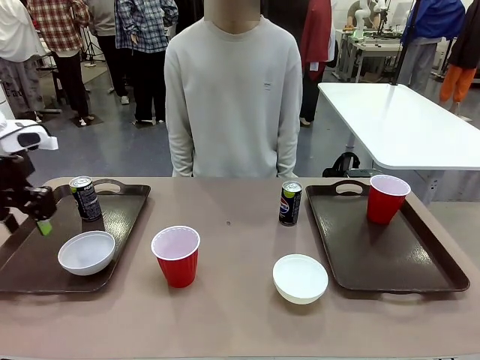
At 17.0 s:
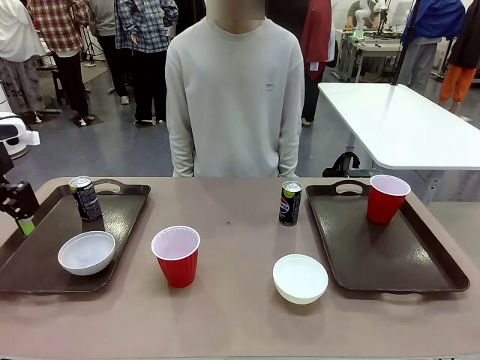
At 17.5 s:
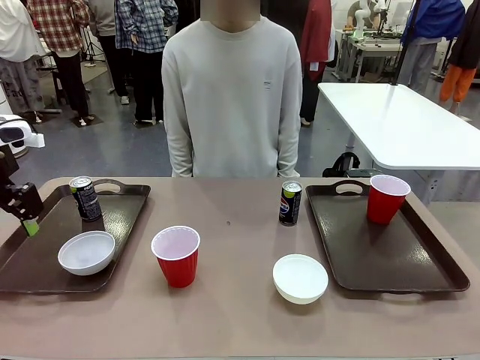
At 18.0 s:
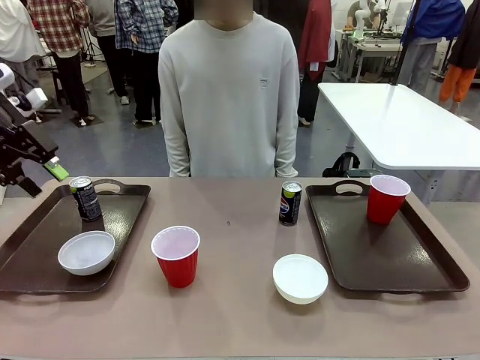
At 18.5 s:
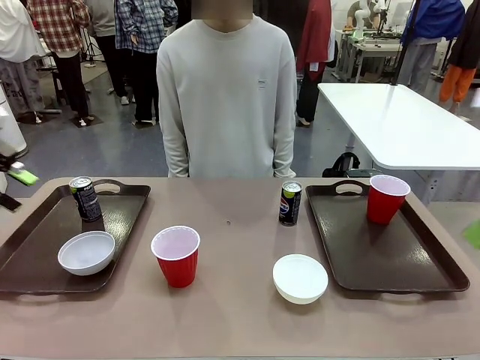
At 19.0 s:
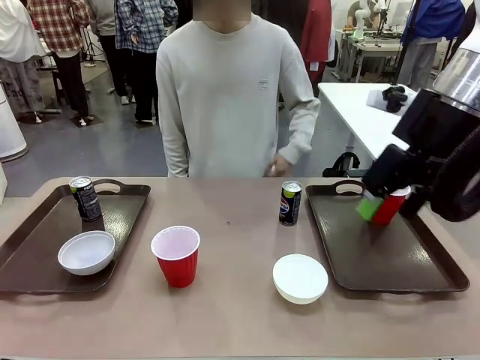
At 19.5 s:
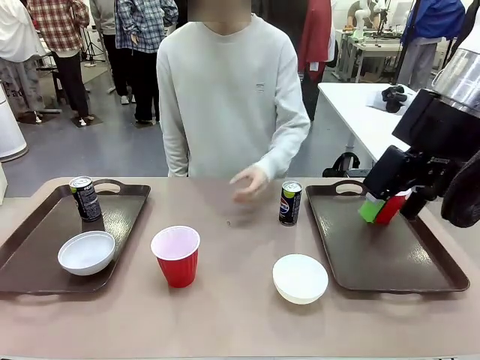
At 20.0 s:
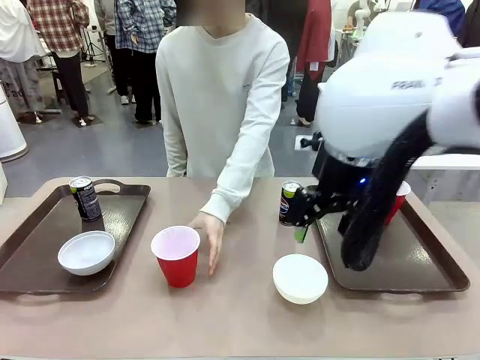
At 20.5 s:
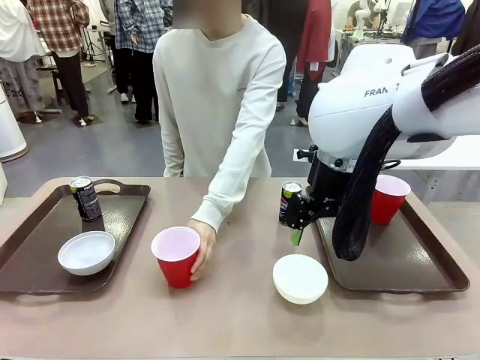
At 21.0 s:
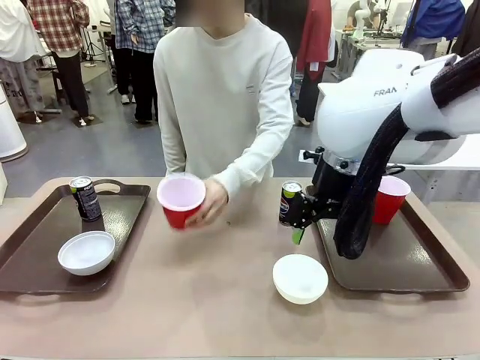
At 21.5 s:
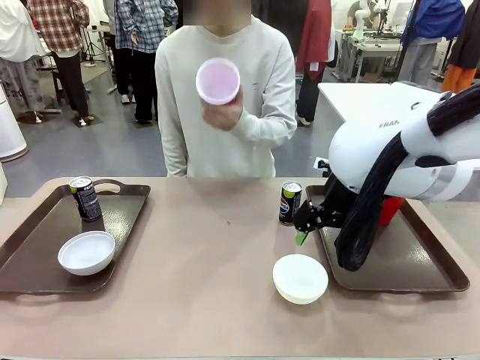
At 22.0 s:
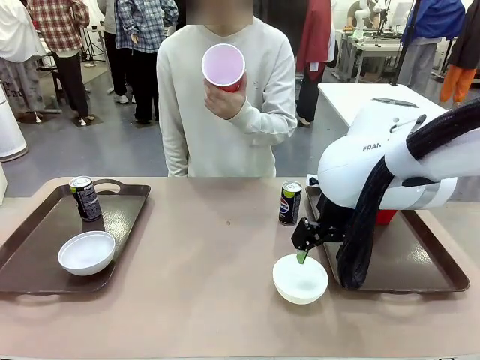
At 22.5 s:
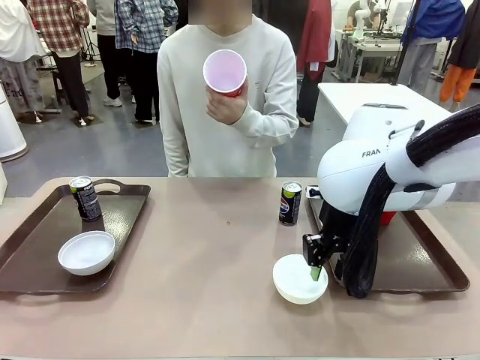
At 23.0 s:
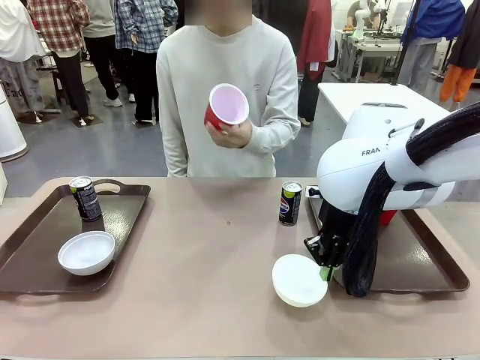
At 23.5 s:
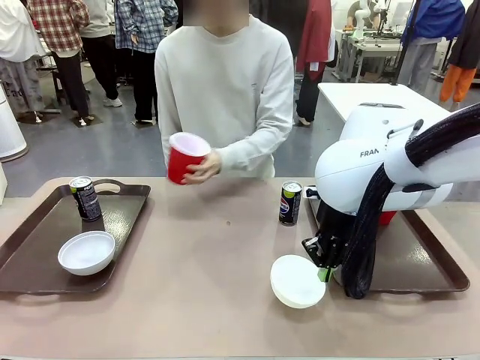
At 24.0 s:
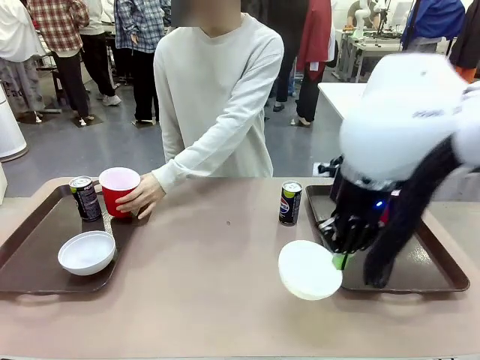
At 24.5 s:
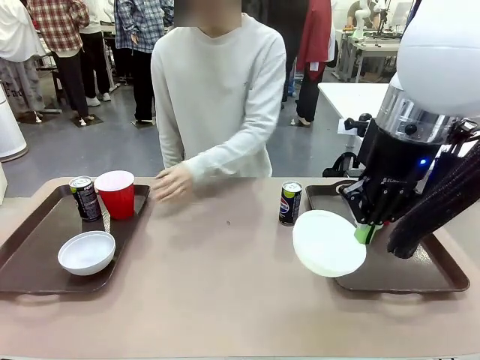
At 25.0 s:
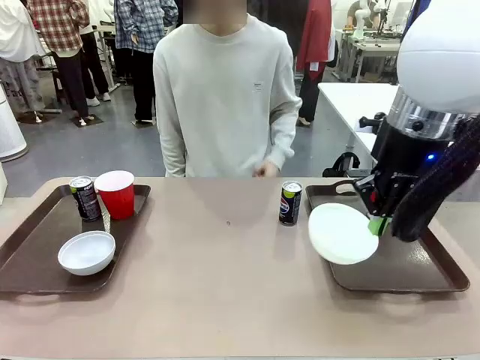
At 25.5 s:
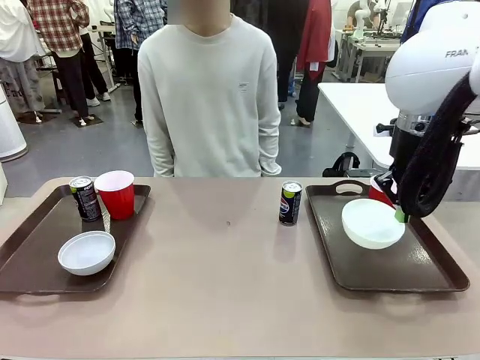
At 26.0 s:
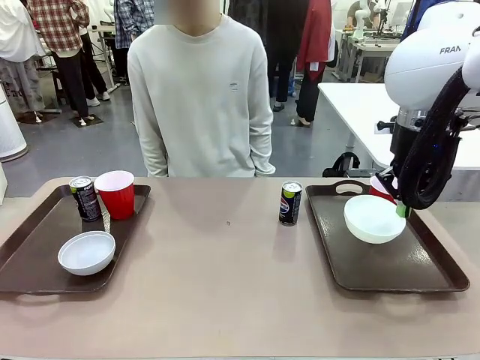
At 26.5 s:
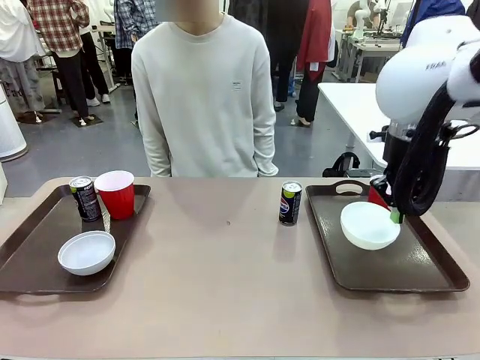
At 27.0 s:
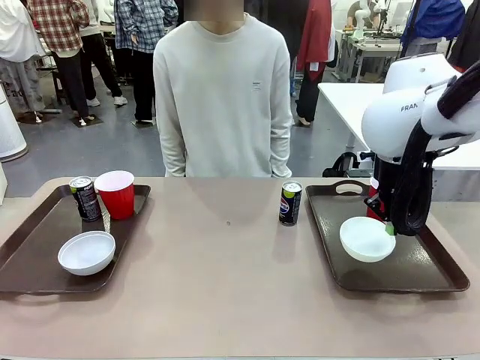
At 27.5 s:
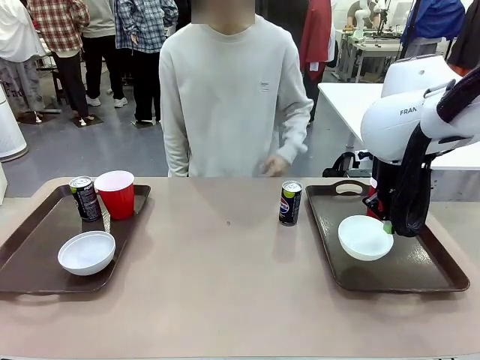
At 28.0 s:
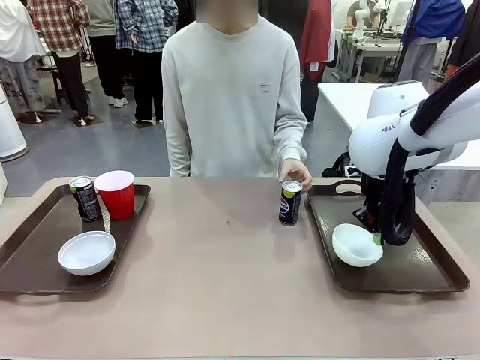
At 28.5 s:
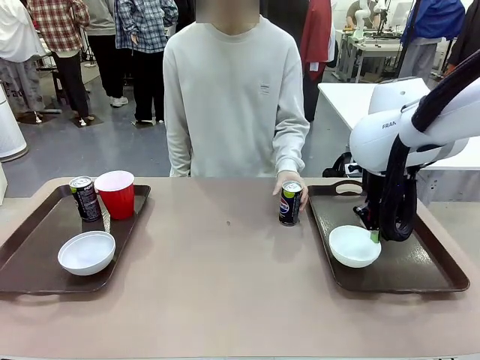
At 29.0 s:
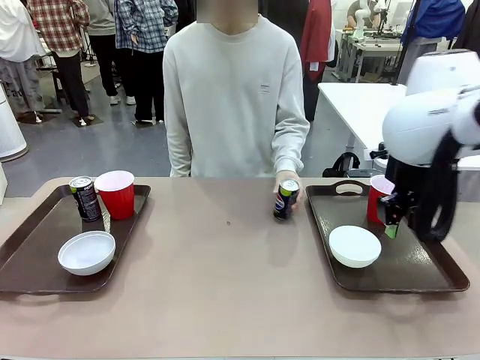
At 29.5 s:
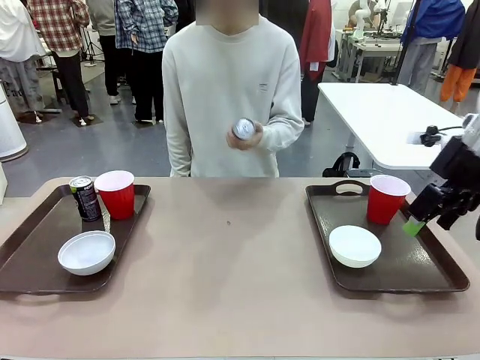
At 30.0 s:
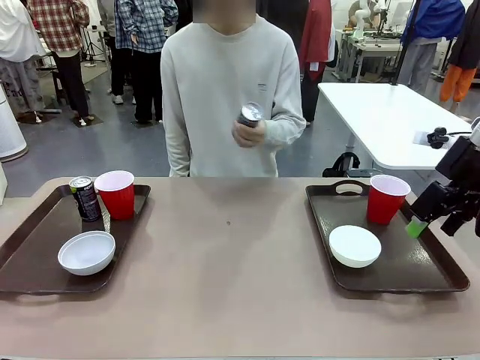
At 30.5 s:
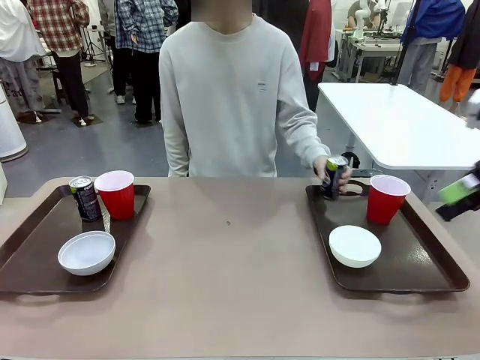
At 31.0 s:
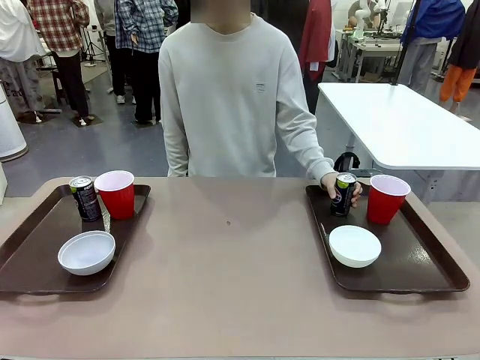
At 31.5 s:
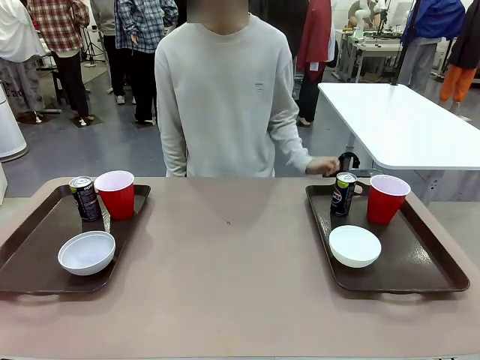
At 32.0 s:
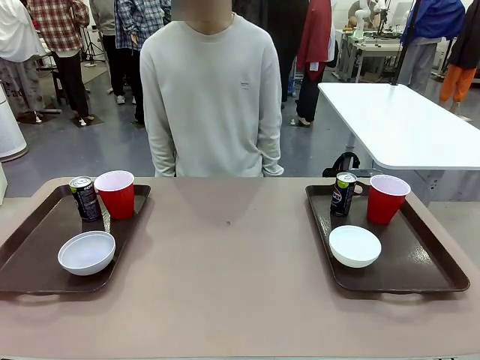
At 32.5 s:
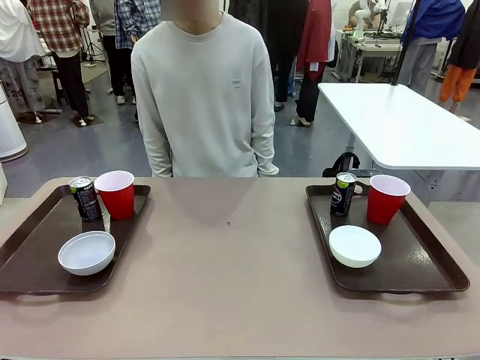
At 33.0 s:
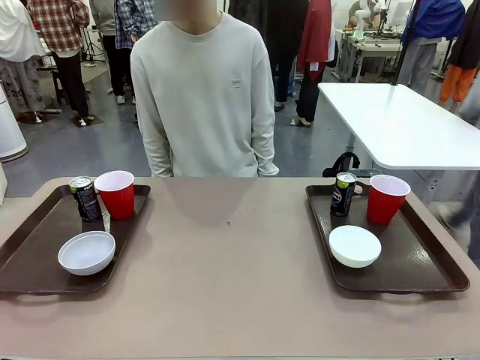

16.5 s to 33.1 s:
Task: Prepare tableware on both trays.
Robot: Pick up a Picnic Bowl from the table and place it on a Handle tray.
Person: Pick up a can or cup and place it on the tray without a can or cup.
